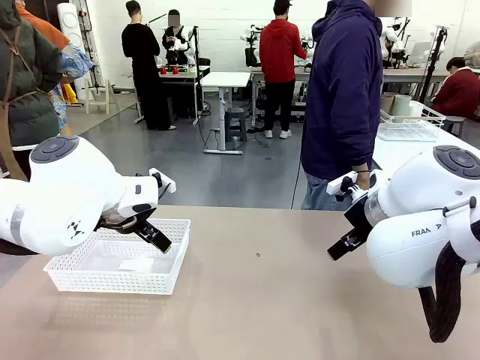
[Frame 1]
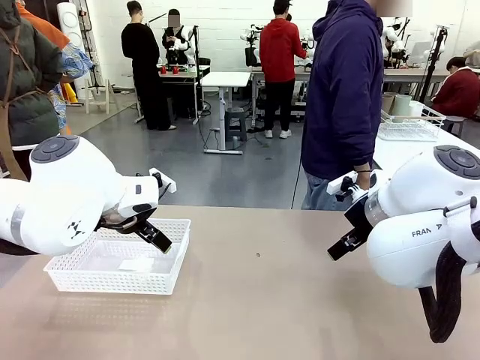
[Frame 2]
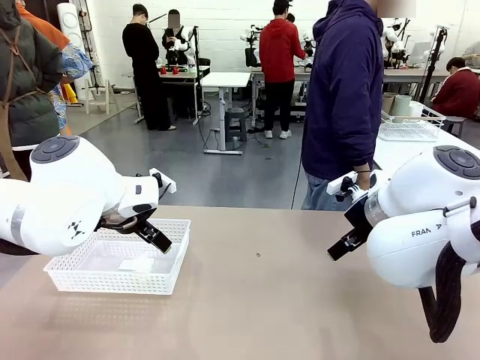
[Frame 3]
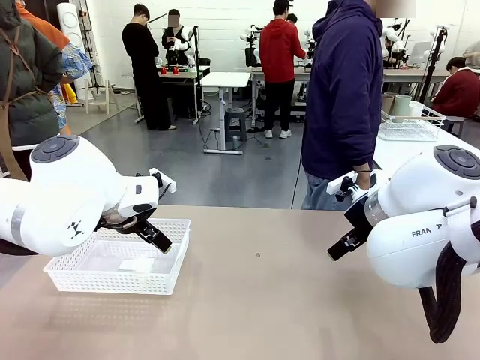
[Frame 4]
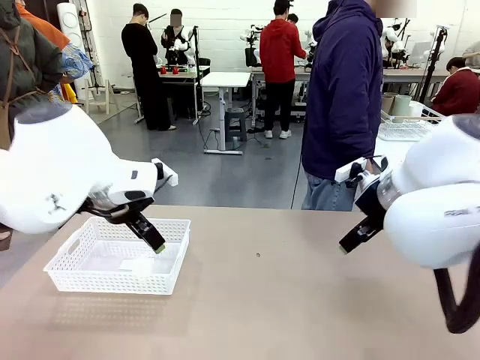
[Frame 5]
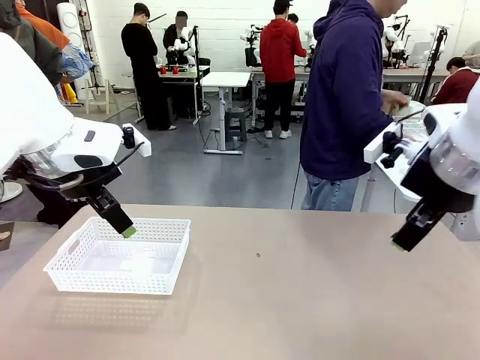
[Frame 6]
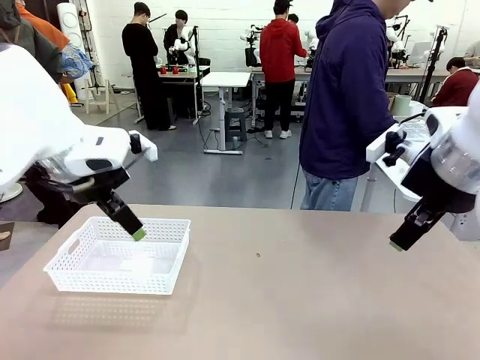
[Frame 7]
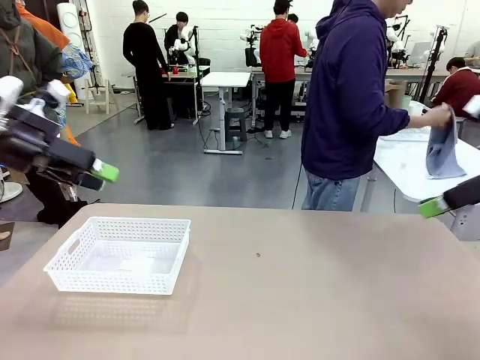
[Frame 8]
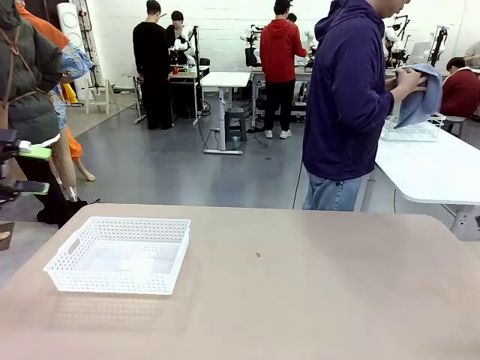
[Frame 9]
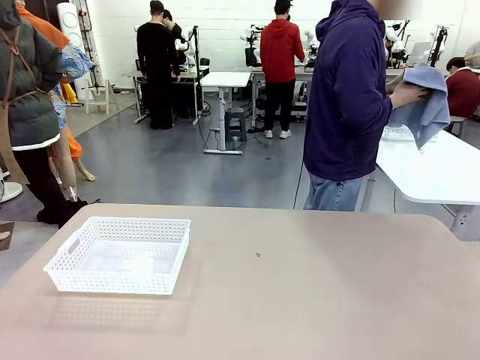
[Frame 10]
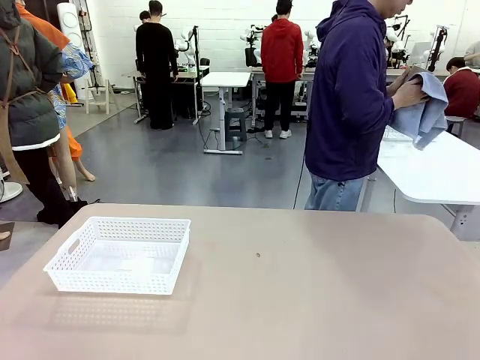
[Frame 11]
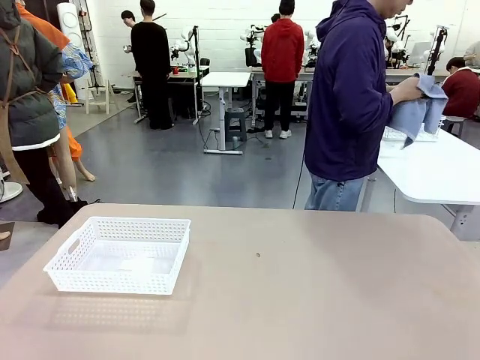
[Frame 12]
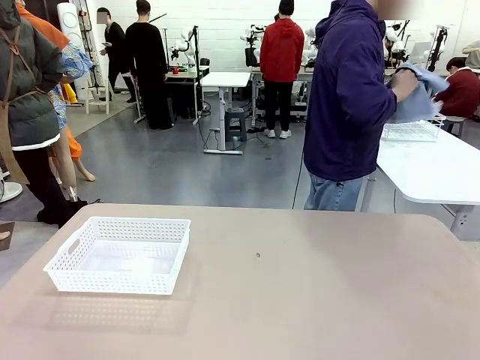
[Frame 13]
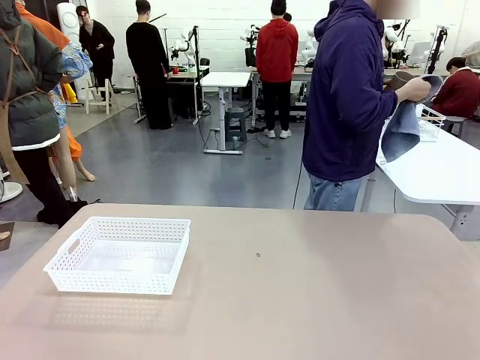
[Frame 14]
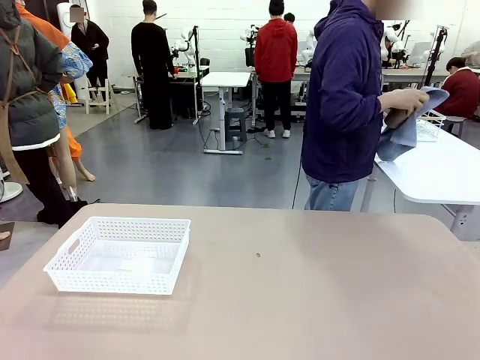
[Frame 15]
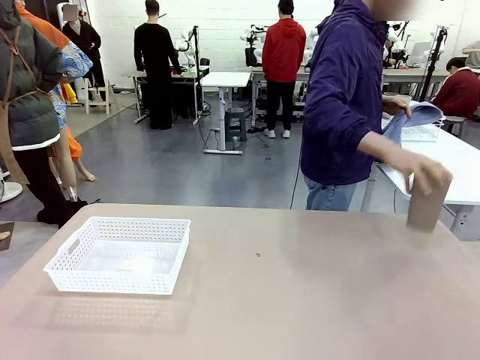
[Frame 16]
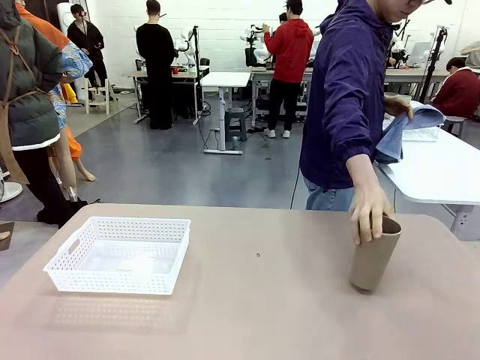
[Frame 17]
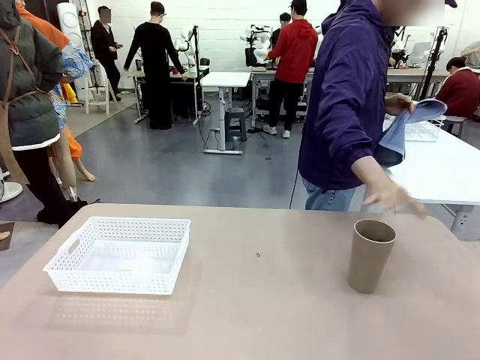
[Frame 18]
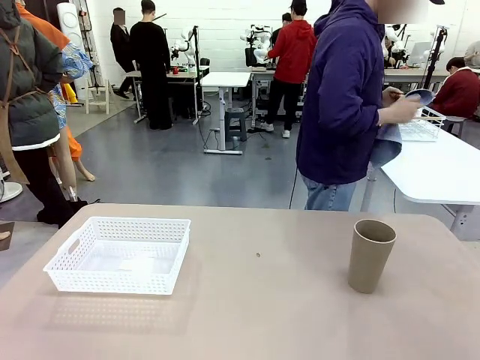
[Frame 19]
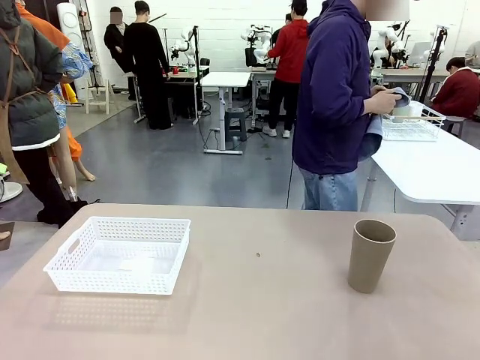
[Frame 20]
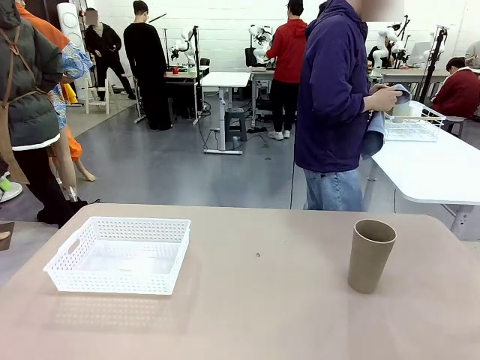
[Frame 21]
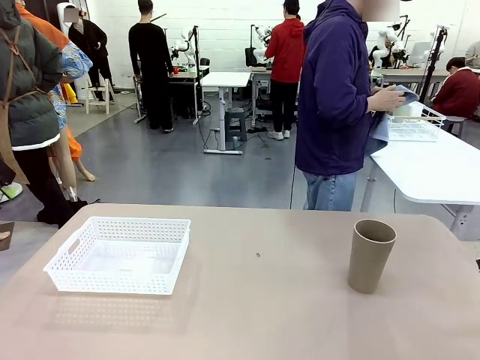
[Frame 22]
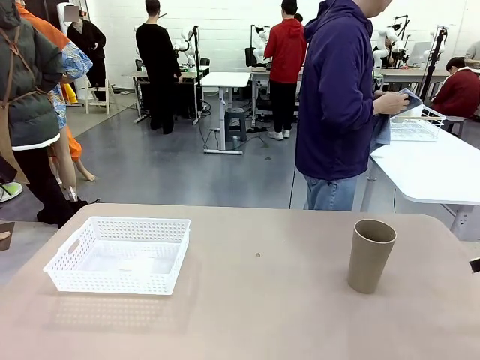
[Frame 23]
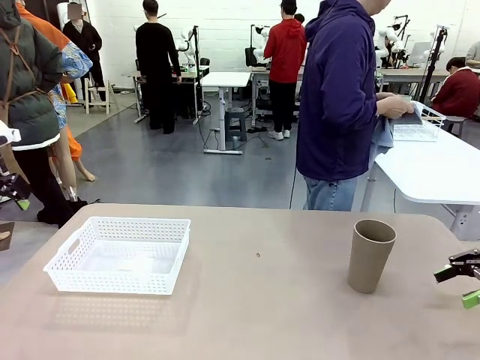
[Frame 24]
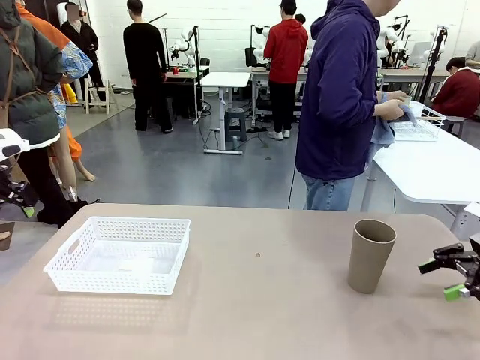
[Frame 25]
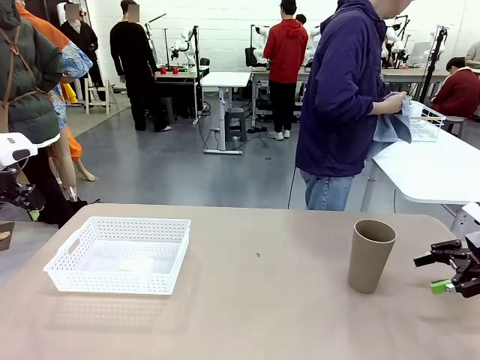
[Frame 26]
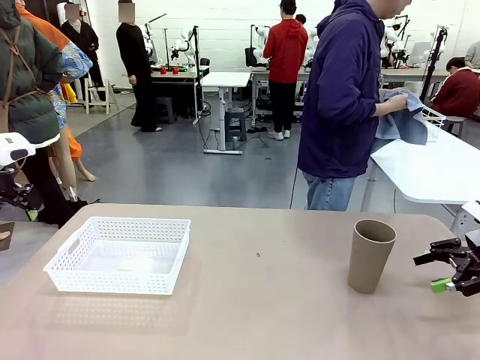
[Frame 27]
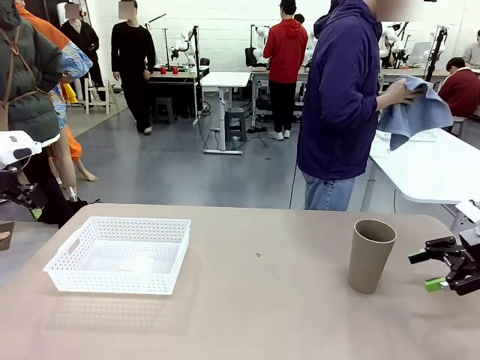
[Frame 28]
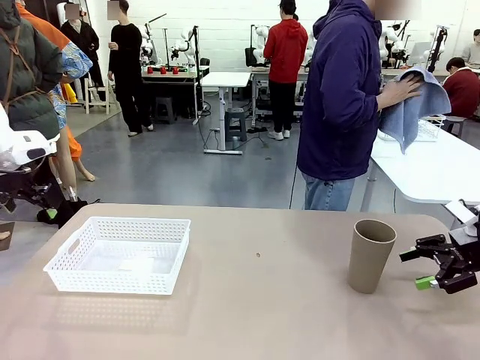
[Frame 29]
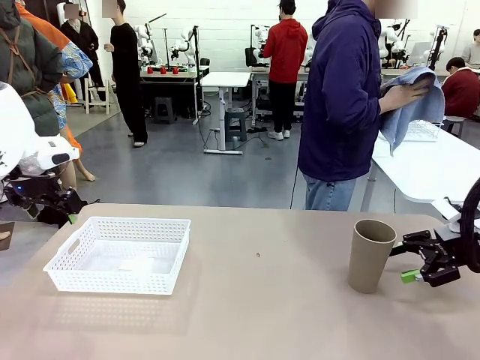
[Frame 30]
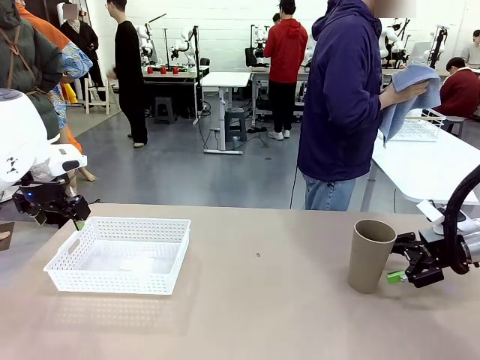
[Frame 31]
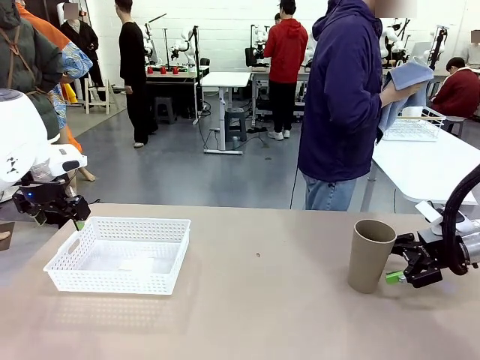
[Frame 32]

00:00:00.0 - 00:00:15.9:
Task: Clean and organize the cups into the basket.
Robot: Pick up the Organizing basket and move it to the center of the table, then pick up the Reusable plastic cup from the right side of the table and place it inside the Organizing basket.
Person: Picks up a cup and a towel, cleans the cup with the towel, and places it on the left side of the robot table.

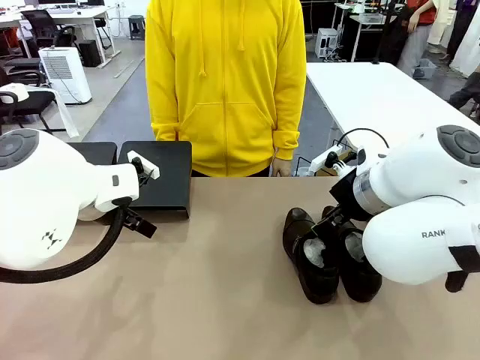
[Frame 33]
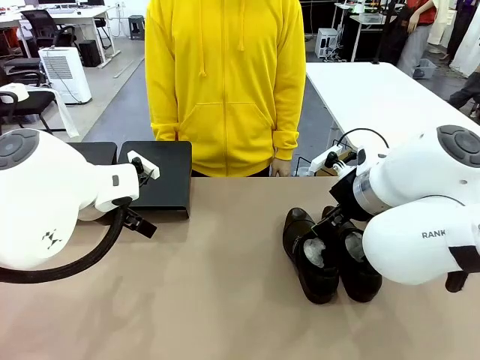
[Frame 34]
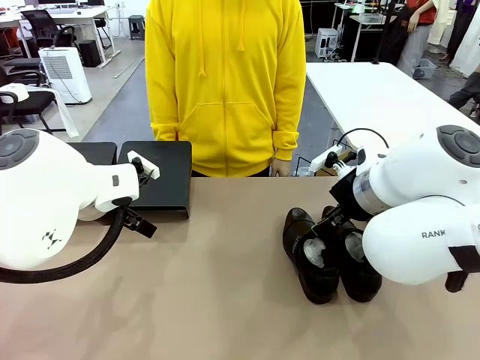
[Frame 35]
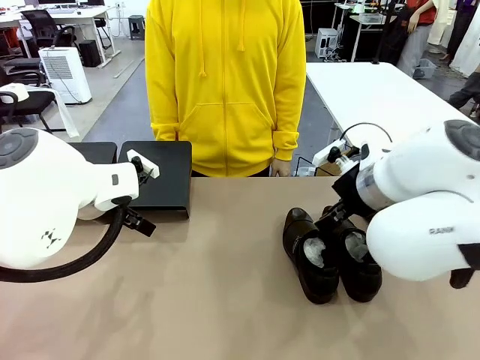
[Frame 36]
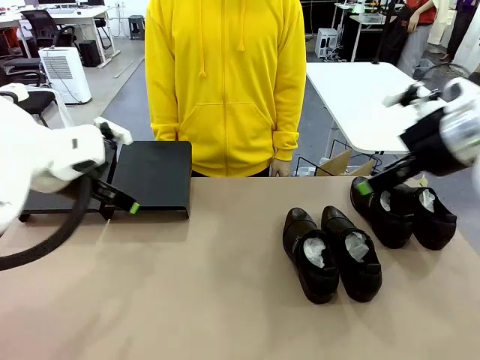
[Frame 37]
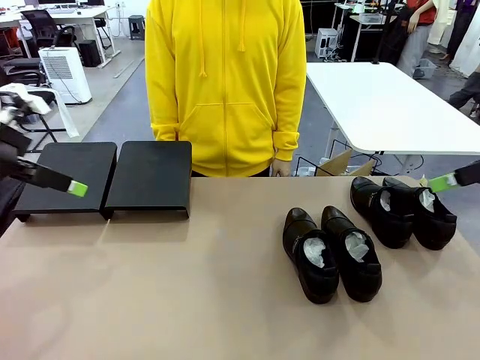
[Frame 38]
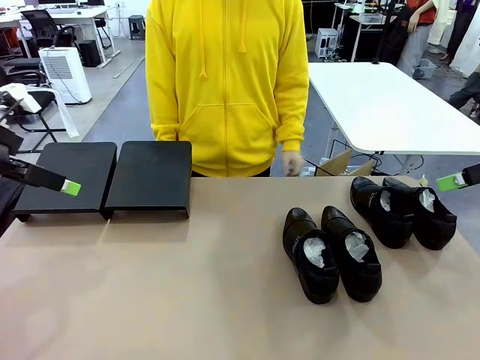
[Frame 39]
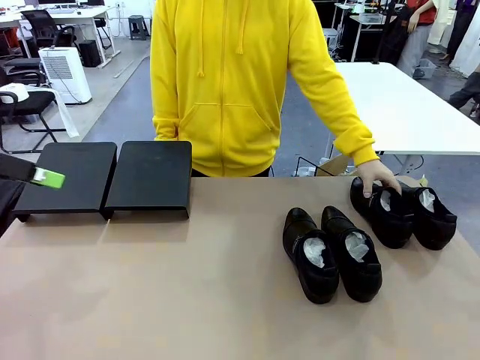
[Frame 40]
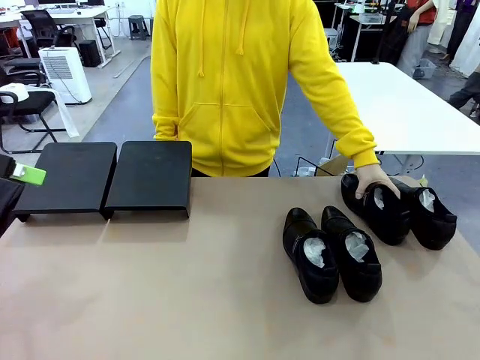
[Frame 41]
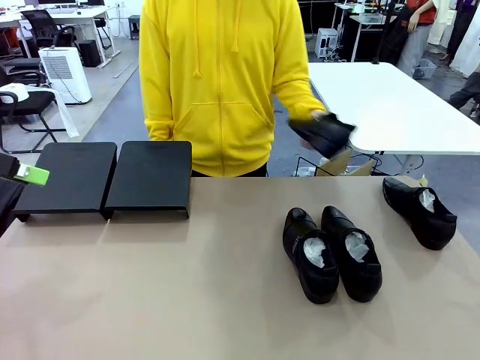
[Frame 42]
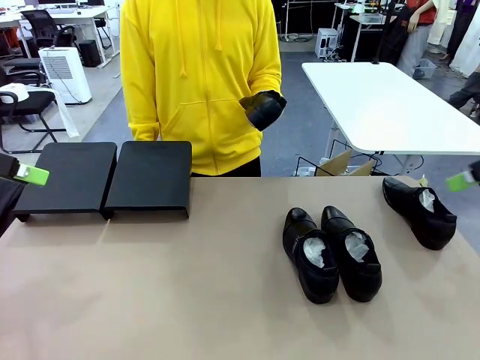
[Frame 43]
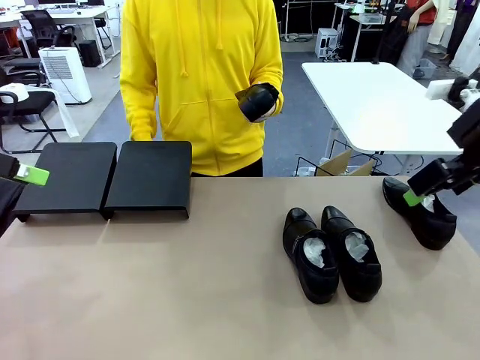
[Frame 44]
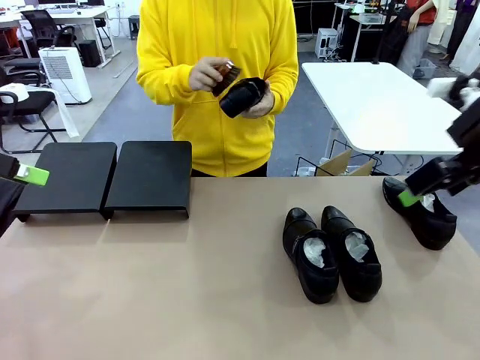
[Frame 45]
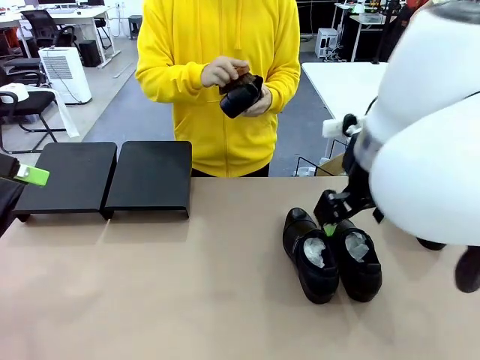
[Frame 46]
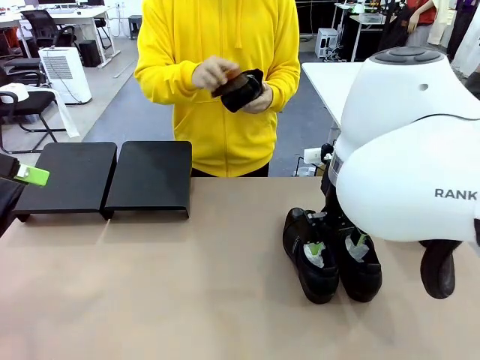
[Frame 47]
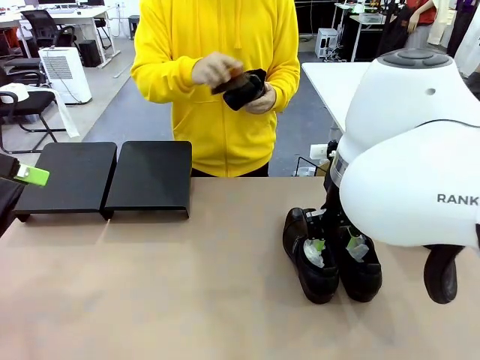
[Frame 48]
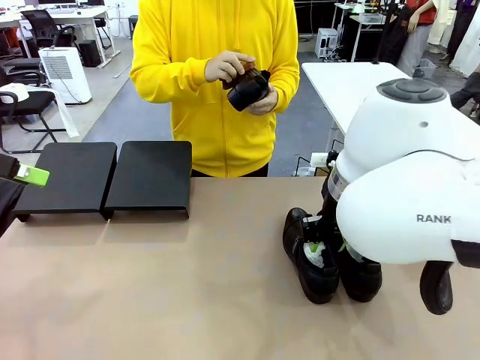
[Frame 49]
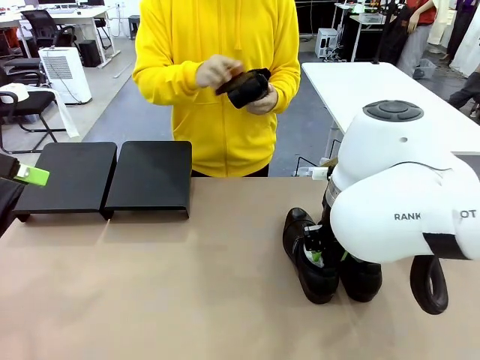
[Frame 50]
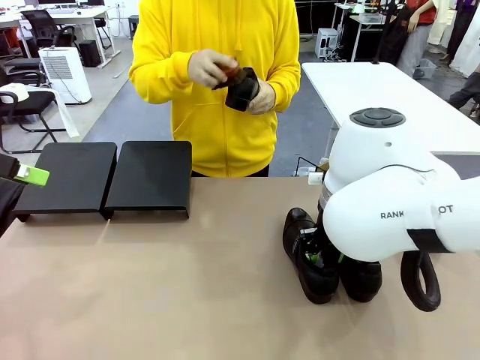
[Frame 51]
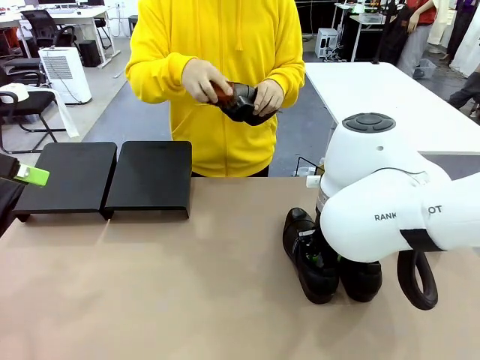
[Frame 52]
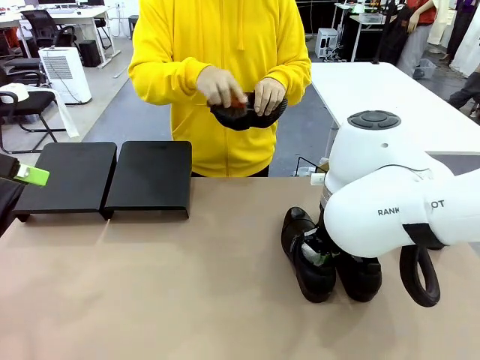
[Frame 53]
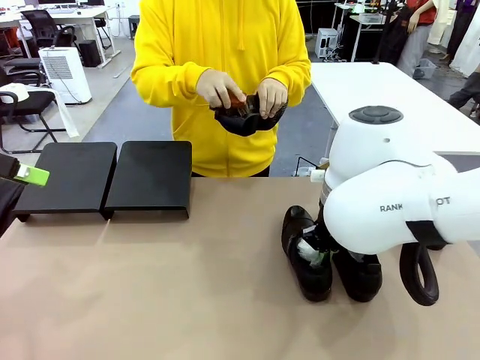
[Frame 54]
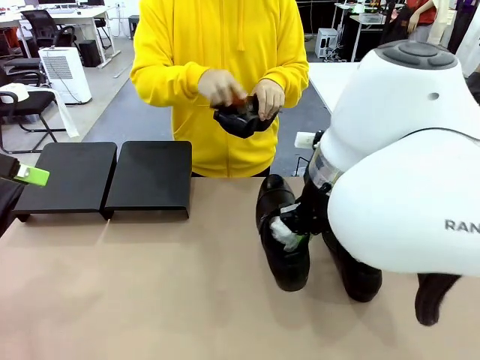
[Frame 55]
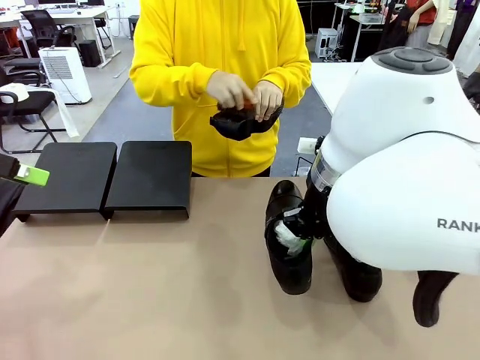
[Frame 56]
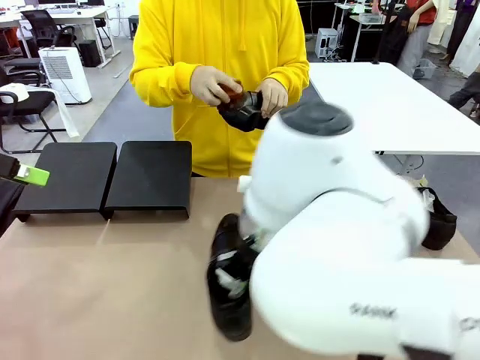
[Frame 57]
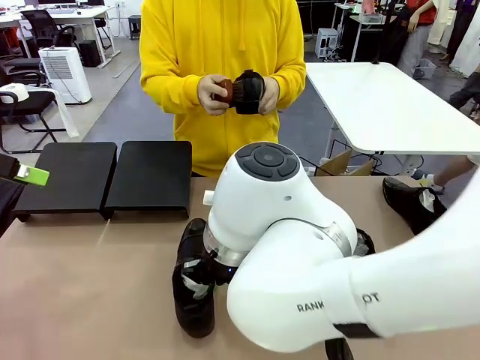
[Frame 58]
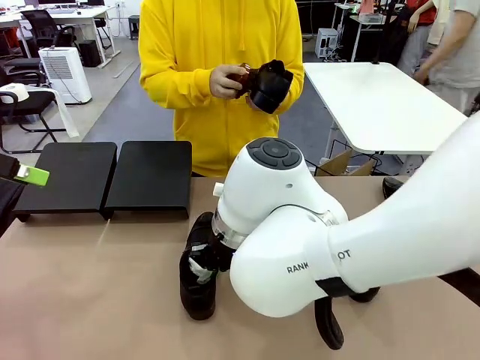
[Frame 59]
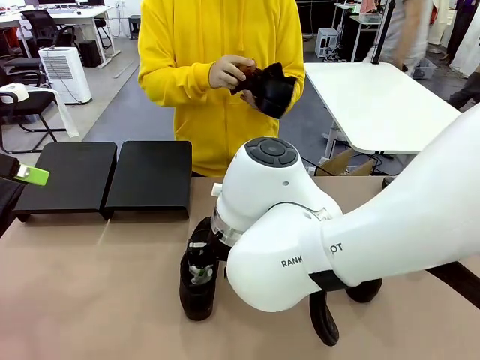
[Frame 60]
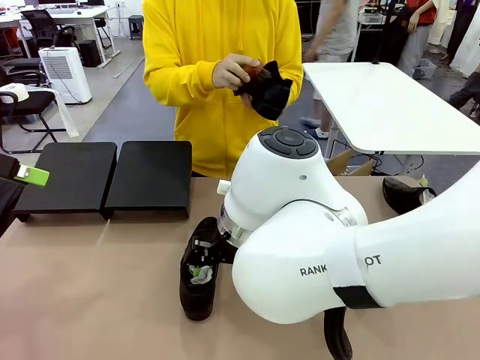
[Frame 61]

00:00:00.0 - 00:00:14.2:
Task: Organize the shoes by placing them on the stand.
Robot: Pick up one Shoe and place it in the middle of the table.
Person: Pick one Shoe on Robot's table. Clean the Shoe with the Shoe Brush.
